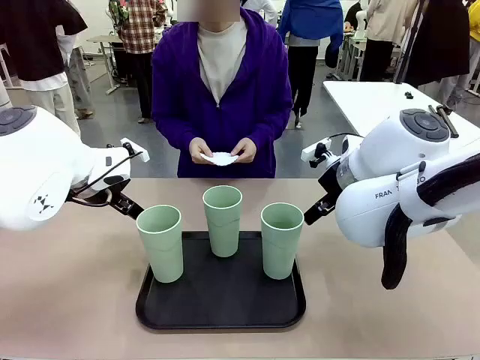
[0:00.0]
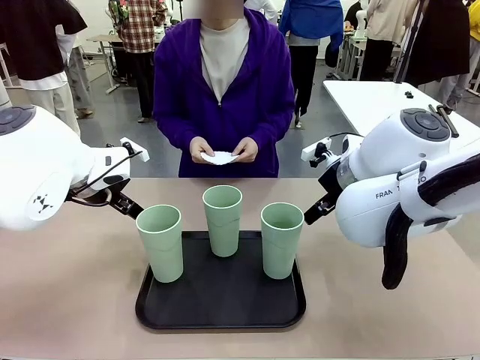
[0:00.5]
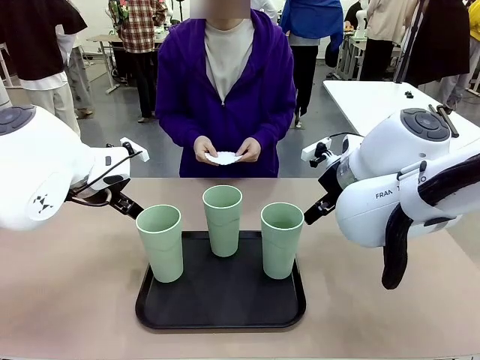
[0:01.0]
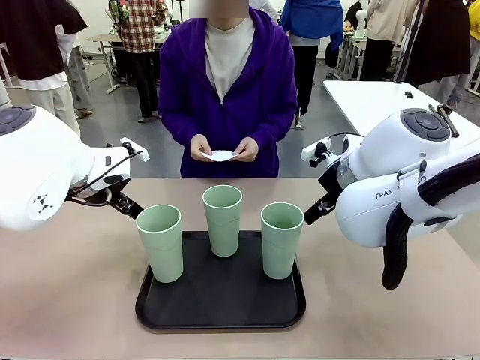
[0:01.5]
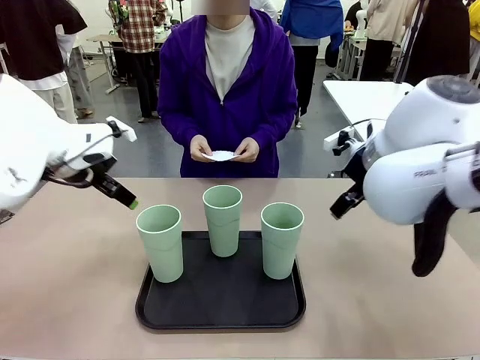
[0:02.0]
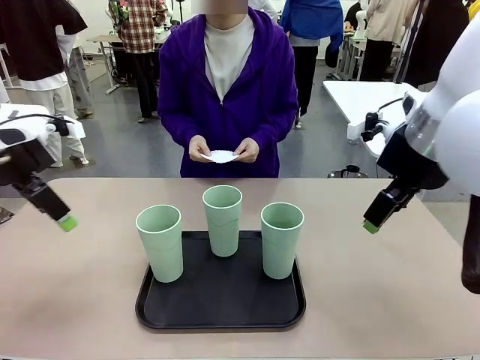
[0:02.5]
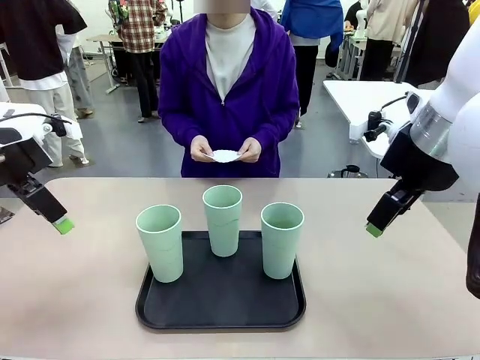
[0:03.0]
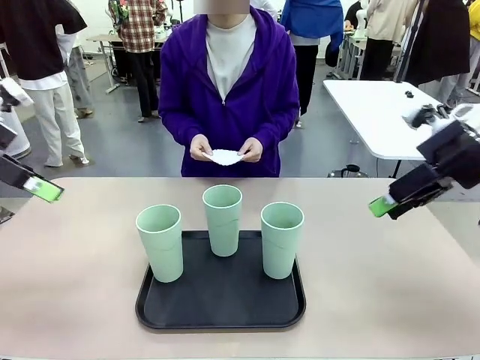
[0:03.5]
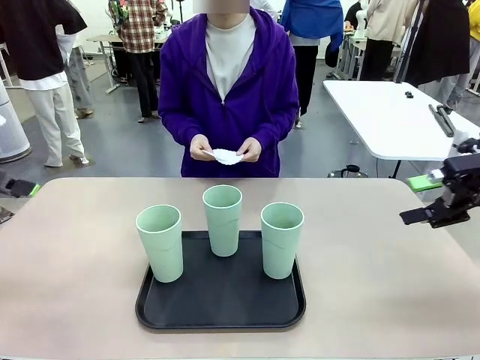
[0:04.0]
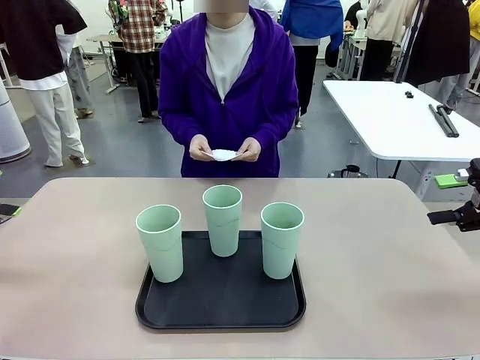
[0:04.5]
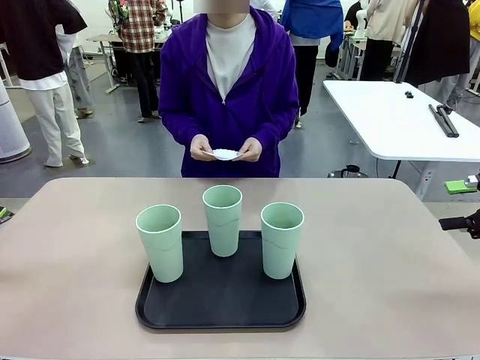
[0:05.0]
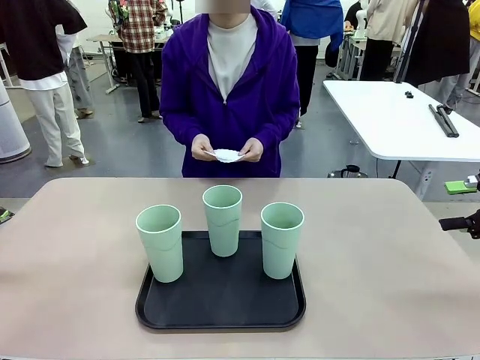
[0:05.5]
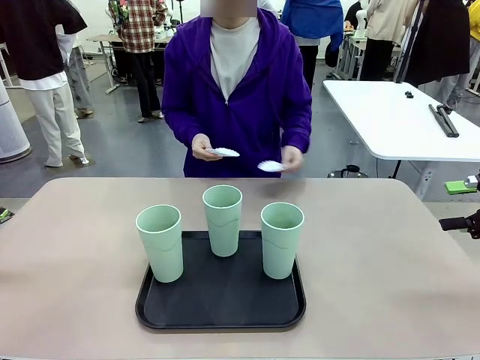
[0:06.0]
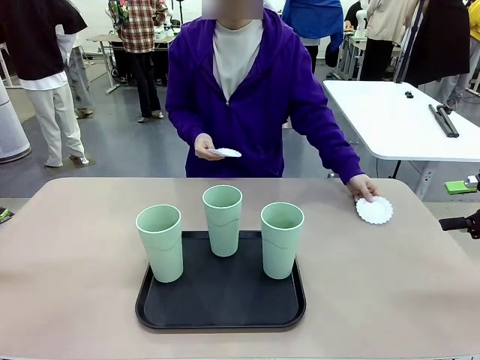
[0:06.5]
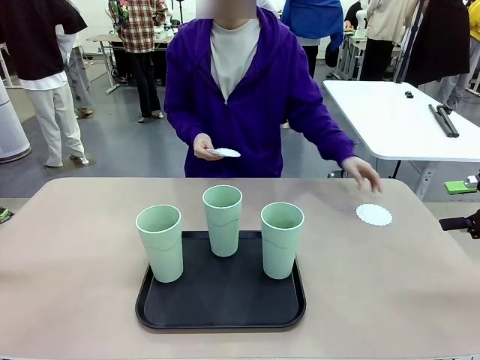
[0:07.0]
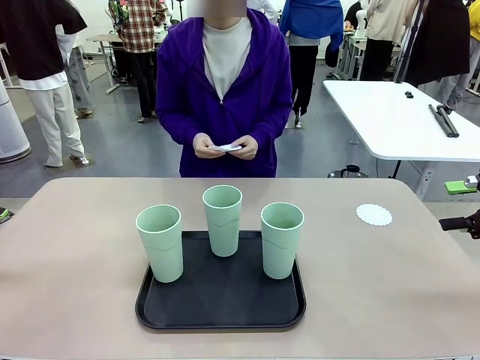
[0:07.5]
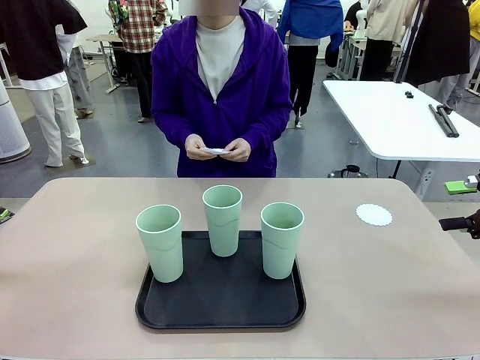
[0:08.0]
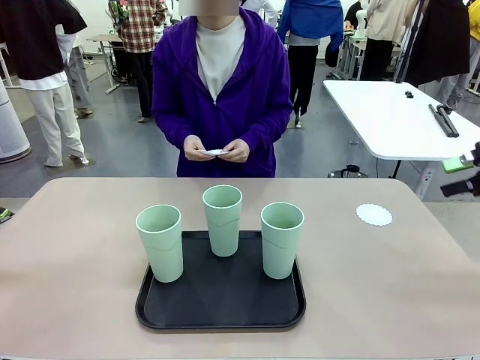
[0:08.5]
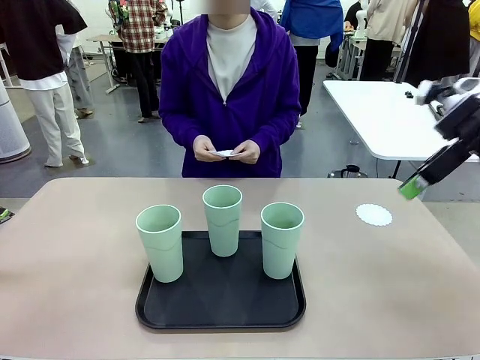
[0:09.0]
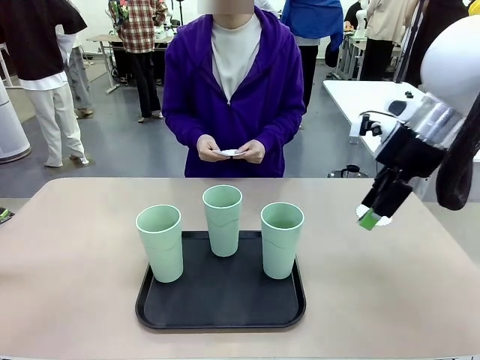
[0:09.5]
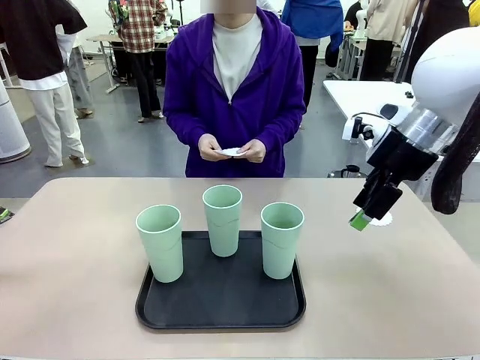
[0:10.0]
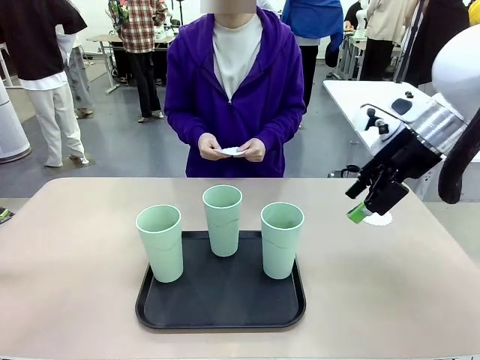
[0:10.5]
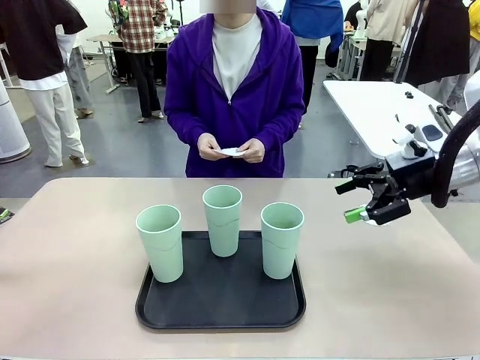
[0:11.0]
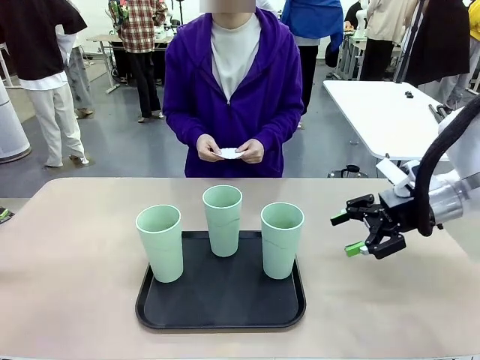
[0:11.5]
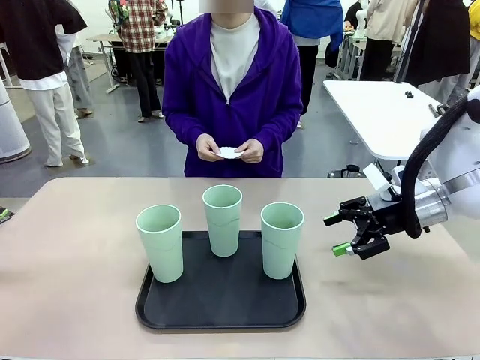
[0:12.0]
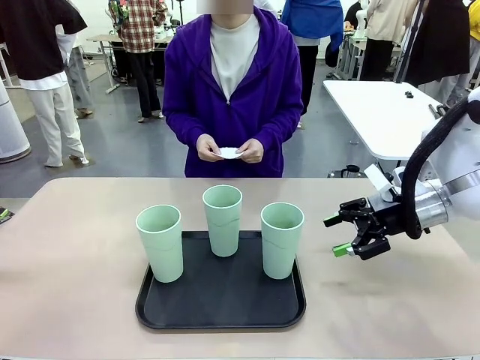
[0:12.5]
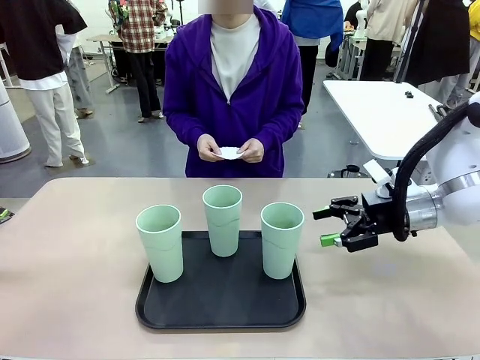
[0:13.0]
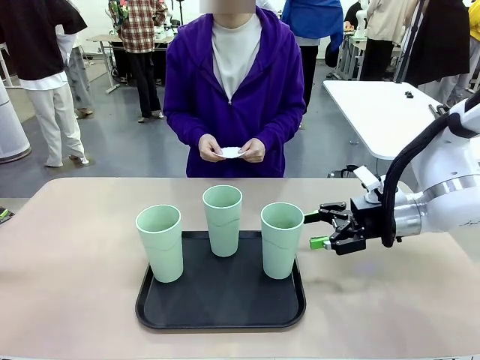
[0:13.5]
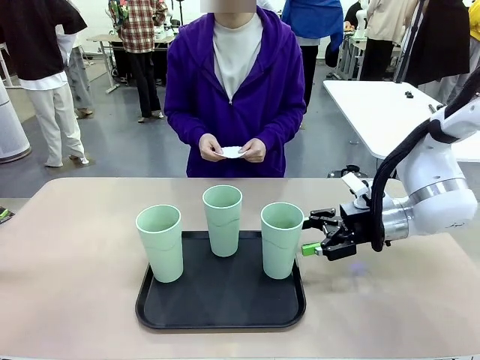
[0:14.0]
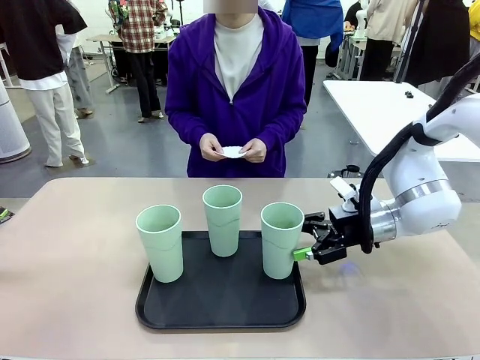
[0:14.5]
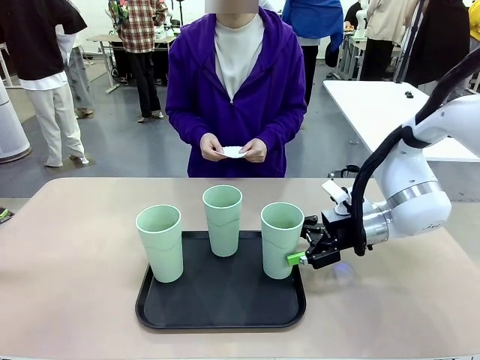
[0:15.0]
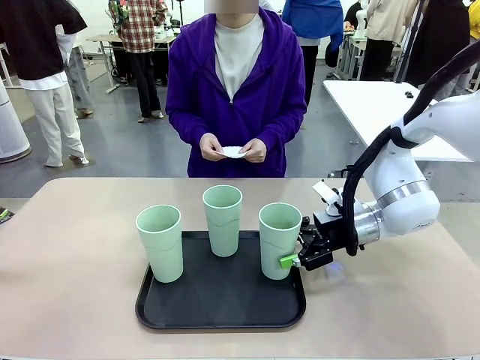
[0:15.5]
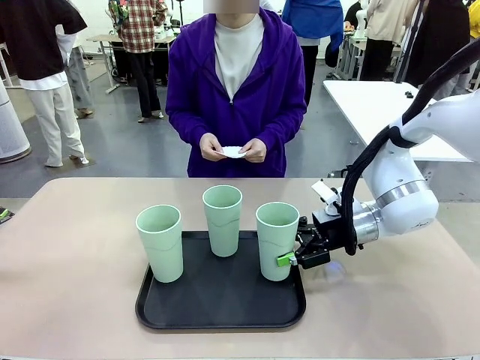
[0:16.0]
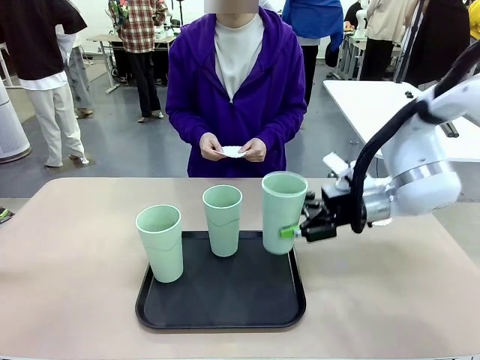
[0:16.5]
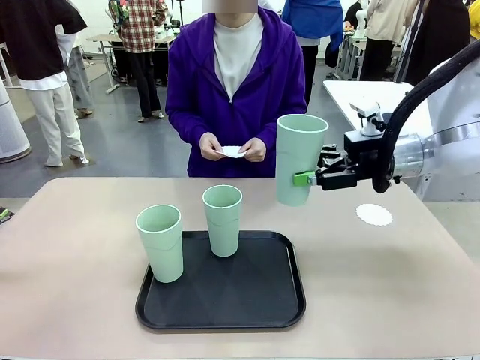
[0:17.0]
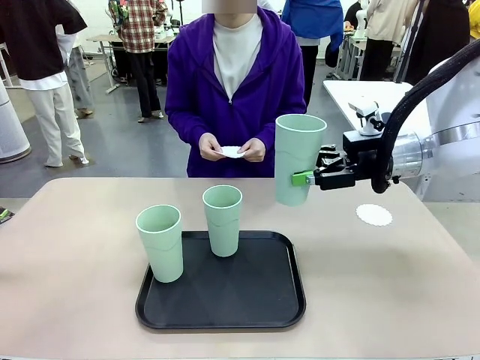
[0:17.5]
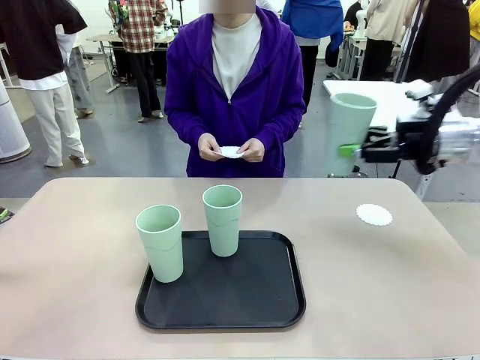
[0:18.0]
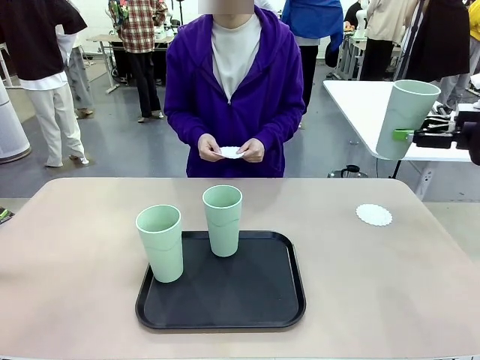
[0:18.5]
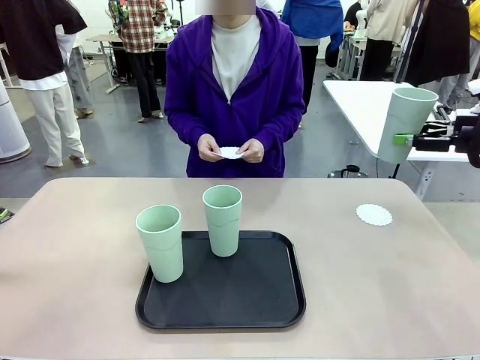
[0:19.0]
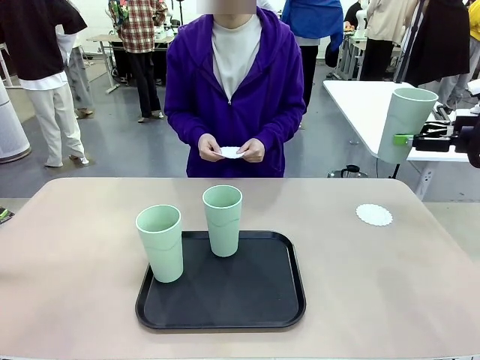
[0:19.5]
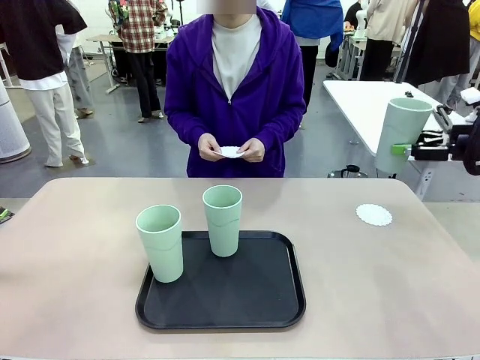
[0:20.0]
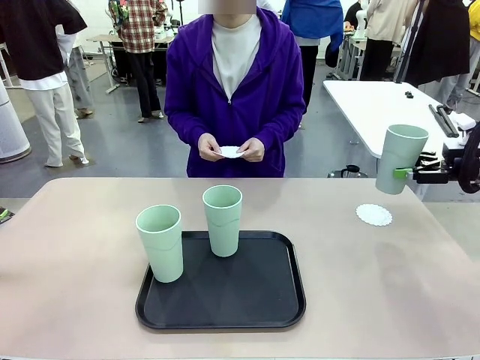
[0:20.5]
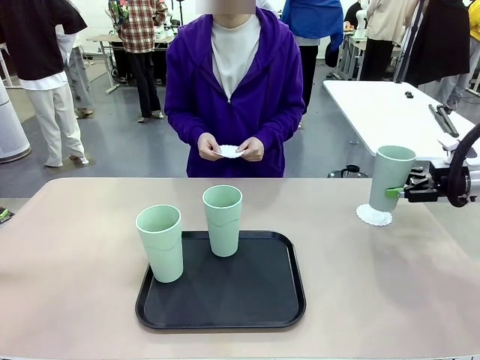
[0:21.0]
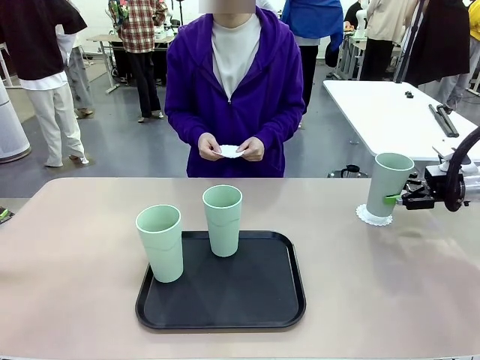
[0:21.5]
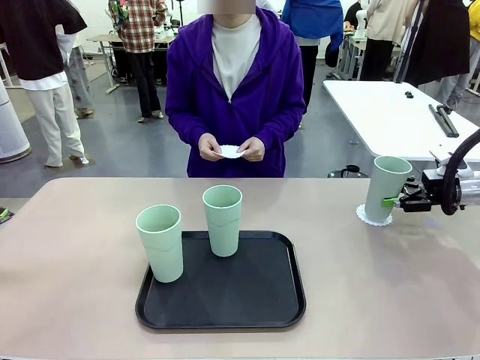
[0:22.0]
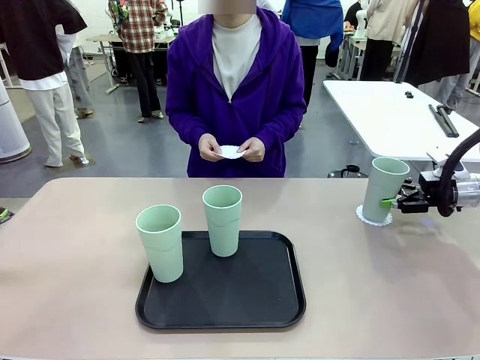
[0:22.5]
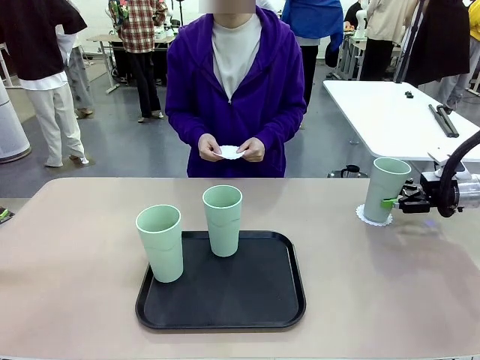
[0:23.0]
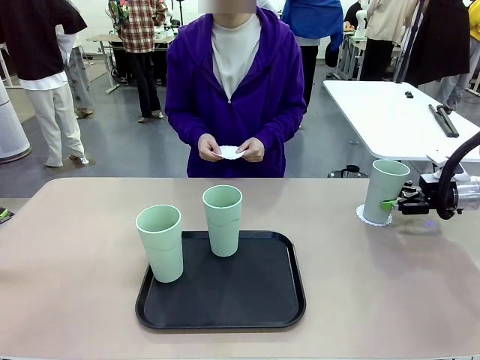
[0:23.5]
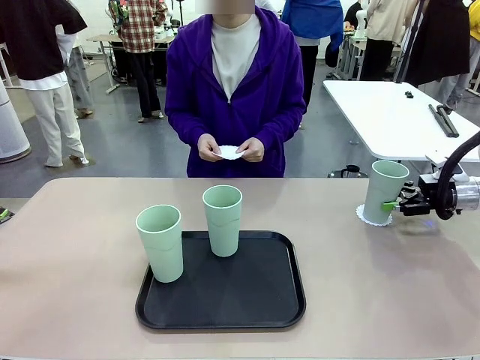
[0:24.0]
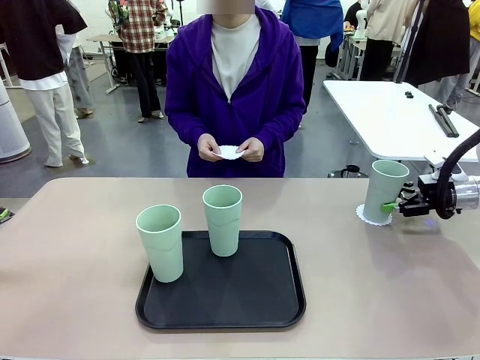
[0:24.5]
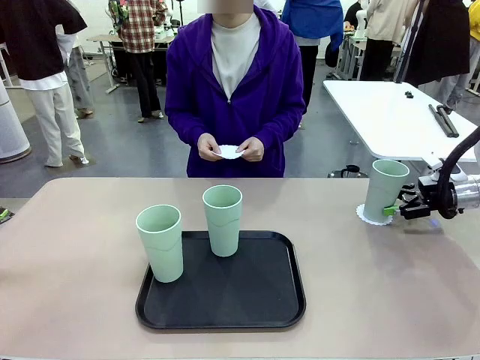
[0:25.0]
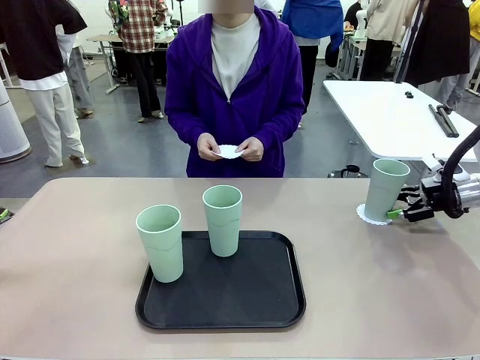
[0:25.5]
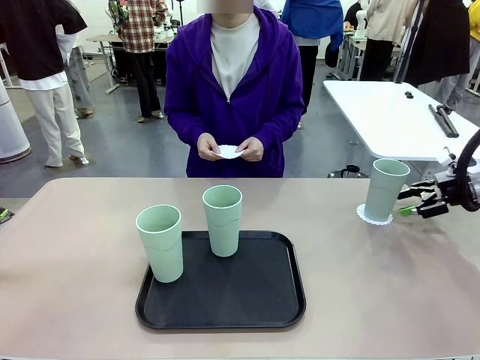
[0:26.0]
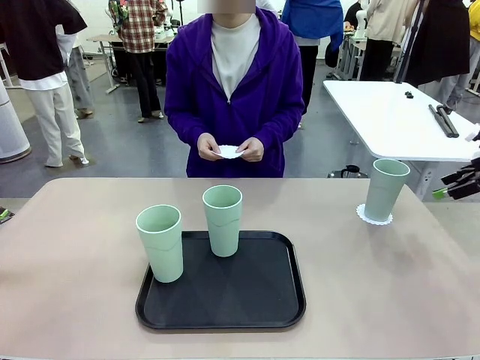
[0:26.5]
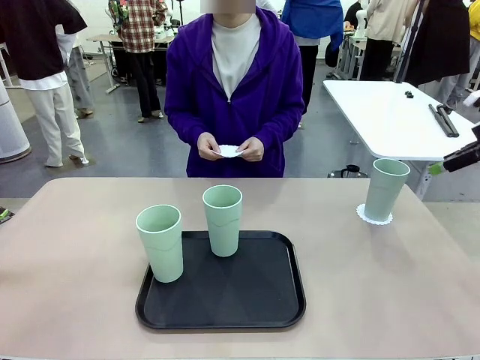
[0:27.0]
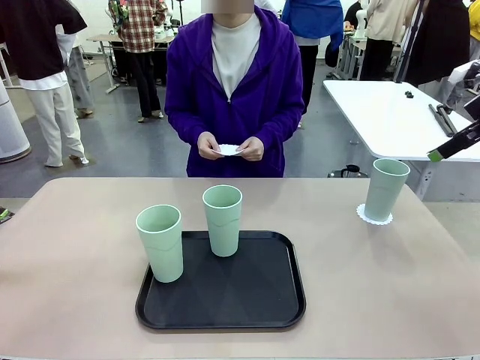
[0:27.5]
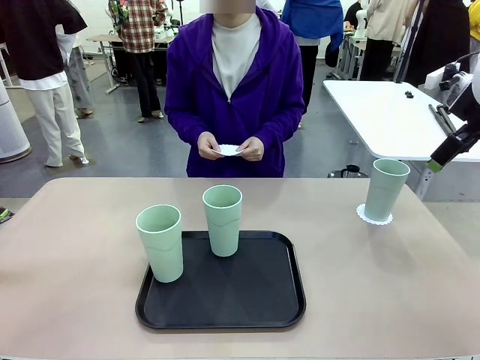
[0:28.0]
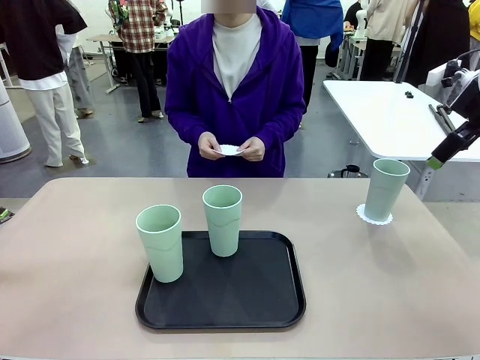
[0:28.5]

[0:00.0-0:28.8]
Task: Place coasters on the table and set cups on them.
Robot: Pick up one Reusable plastic cup and place it on a coaster set by the human.
Person: Place one coaster in any one of the three lower areas of the robot table (left, center, or right). Place one coaster in one of the two areas excluding the previously selected area.
